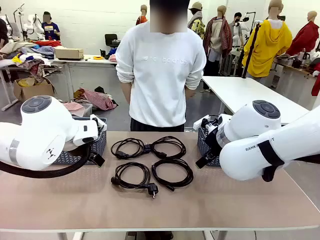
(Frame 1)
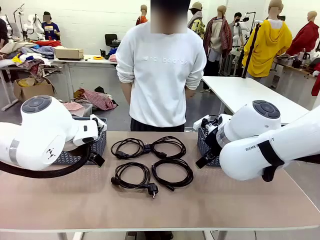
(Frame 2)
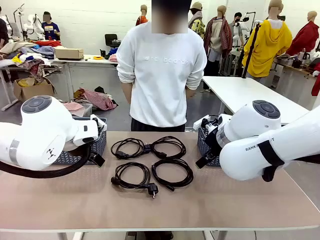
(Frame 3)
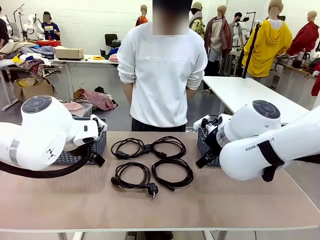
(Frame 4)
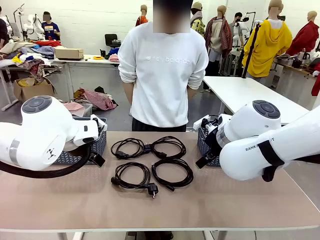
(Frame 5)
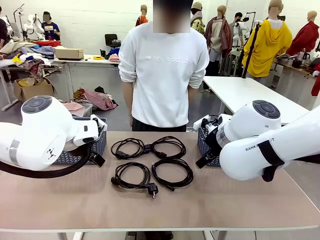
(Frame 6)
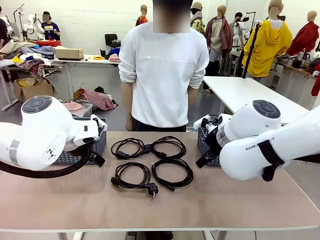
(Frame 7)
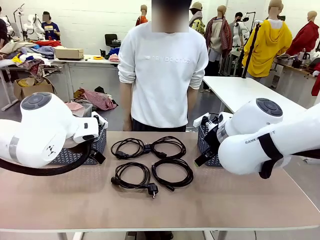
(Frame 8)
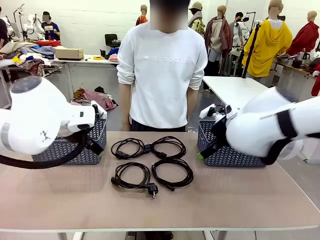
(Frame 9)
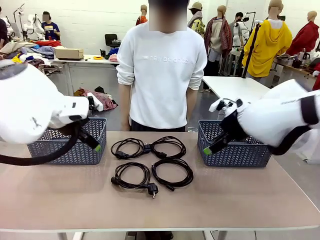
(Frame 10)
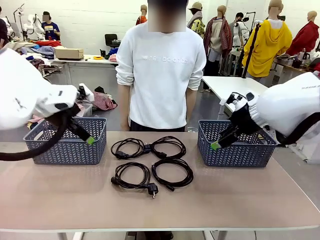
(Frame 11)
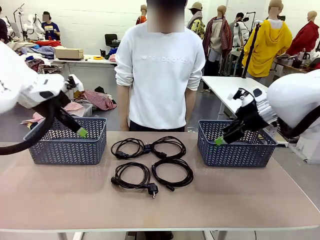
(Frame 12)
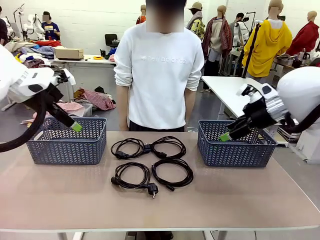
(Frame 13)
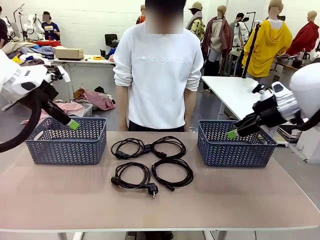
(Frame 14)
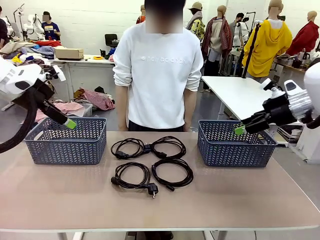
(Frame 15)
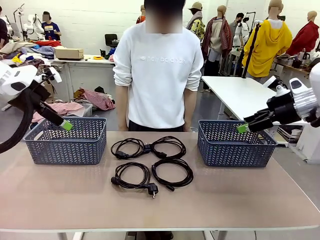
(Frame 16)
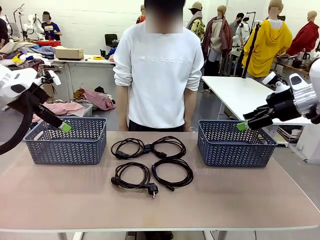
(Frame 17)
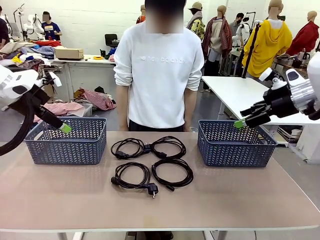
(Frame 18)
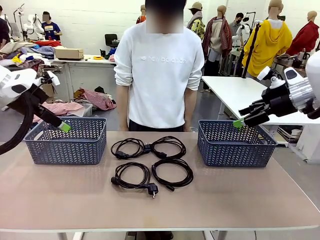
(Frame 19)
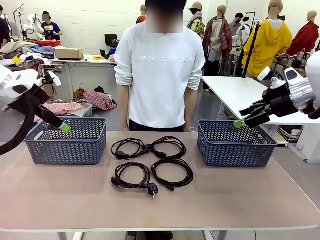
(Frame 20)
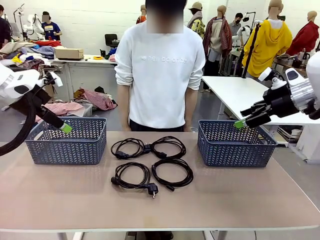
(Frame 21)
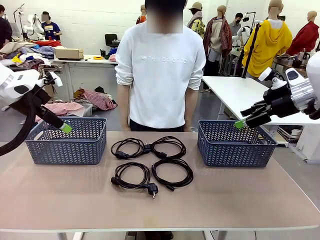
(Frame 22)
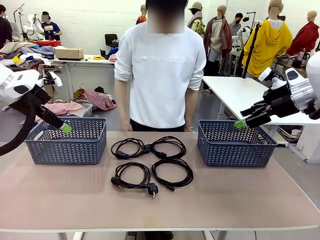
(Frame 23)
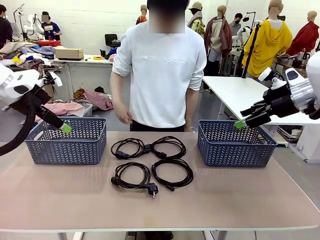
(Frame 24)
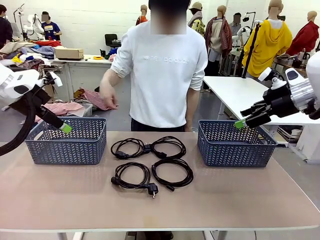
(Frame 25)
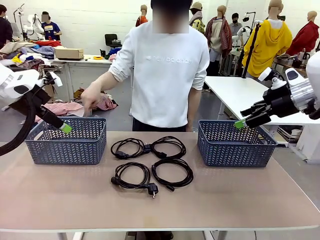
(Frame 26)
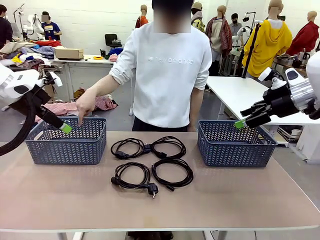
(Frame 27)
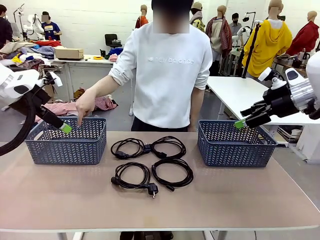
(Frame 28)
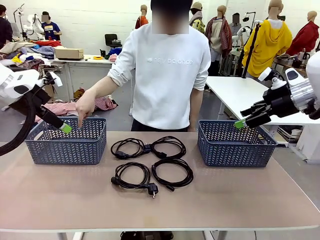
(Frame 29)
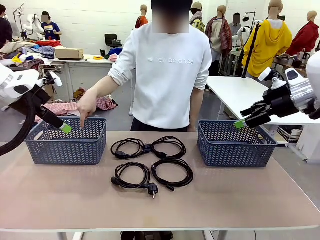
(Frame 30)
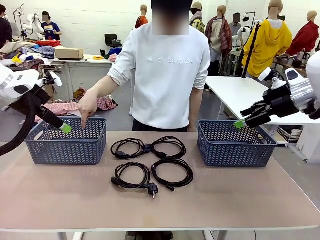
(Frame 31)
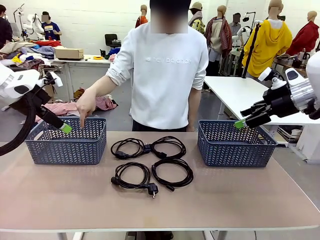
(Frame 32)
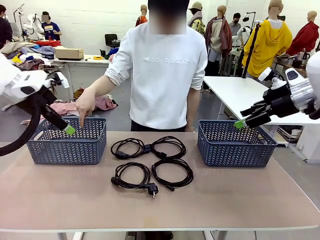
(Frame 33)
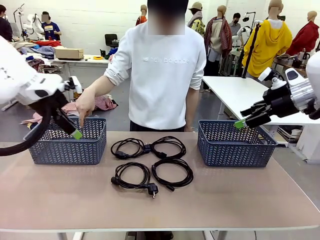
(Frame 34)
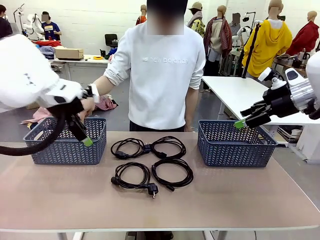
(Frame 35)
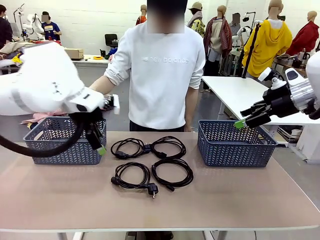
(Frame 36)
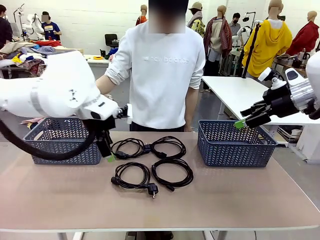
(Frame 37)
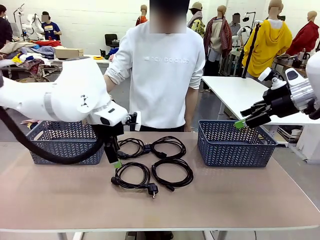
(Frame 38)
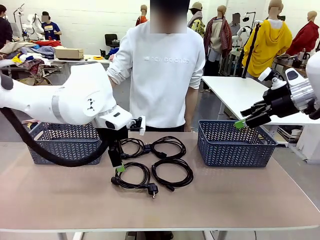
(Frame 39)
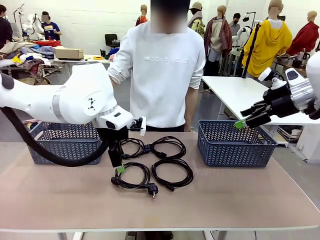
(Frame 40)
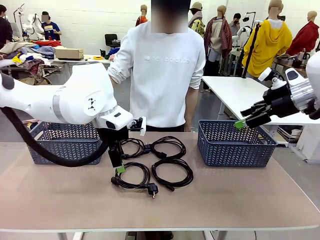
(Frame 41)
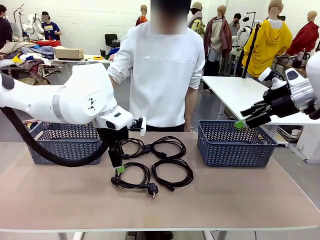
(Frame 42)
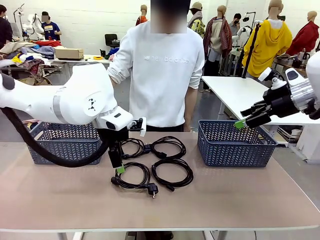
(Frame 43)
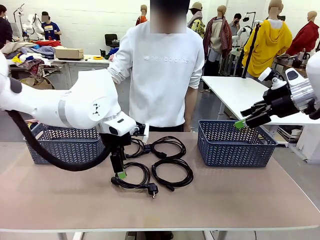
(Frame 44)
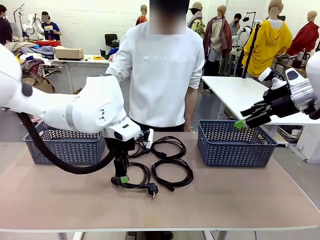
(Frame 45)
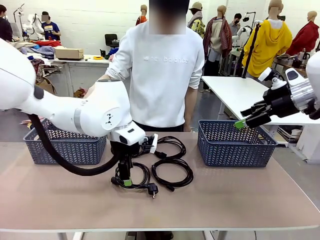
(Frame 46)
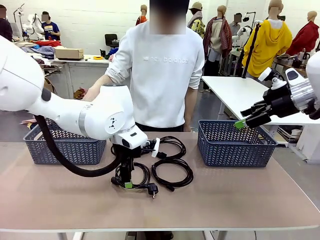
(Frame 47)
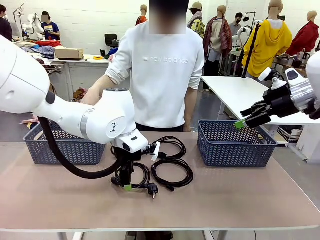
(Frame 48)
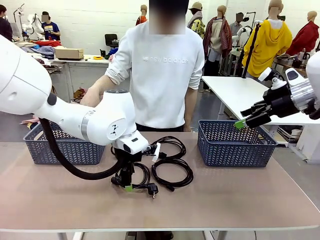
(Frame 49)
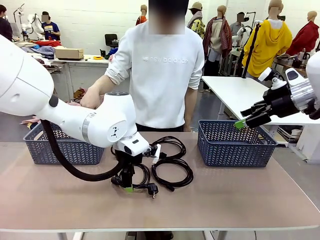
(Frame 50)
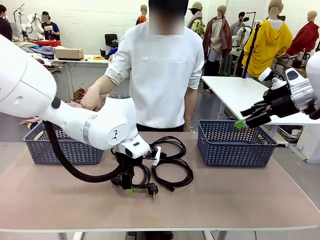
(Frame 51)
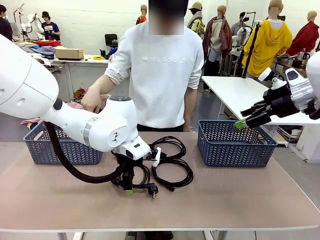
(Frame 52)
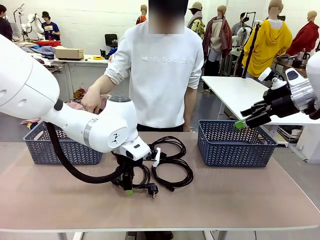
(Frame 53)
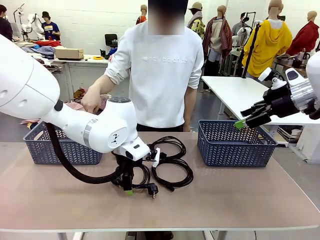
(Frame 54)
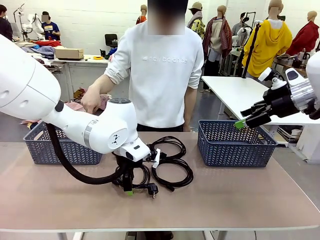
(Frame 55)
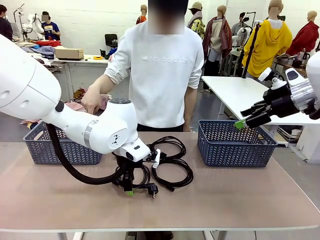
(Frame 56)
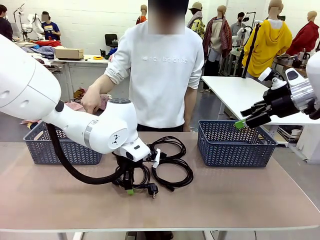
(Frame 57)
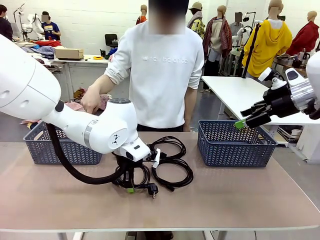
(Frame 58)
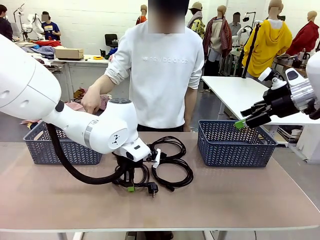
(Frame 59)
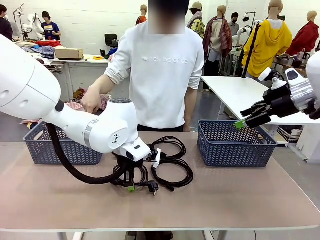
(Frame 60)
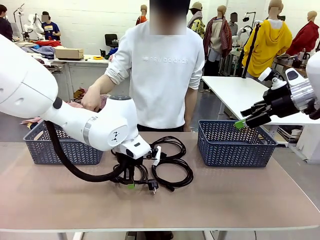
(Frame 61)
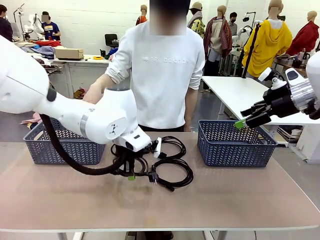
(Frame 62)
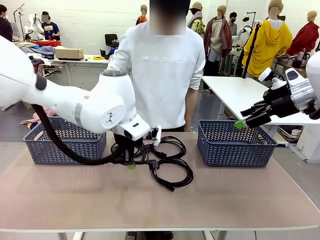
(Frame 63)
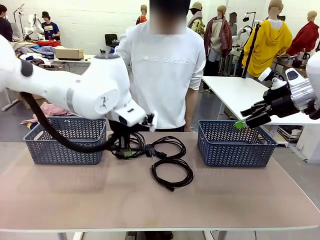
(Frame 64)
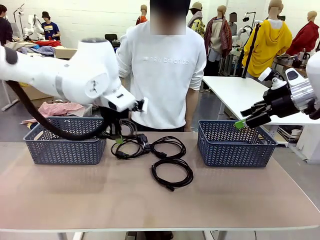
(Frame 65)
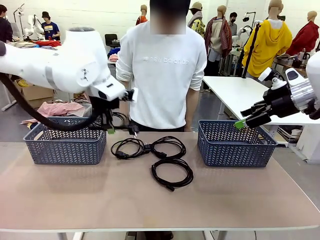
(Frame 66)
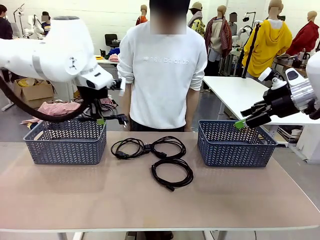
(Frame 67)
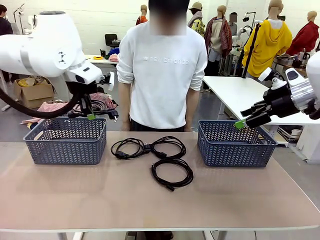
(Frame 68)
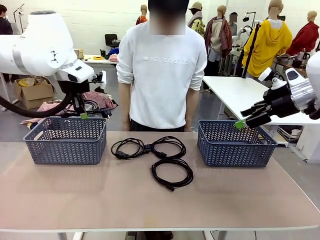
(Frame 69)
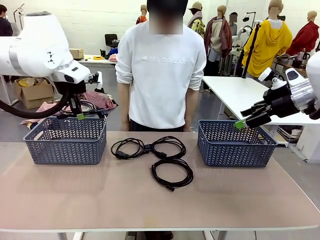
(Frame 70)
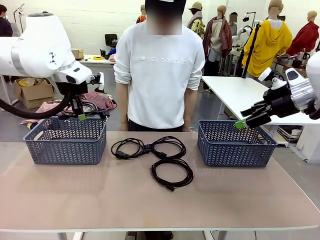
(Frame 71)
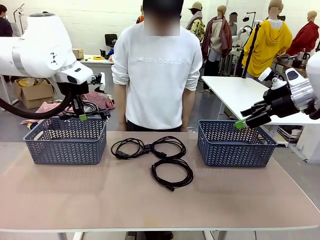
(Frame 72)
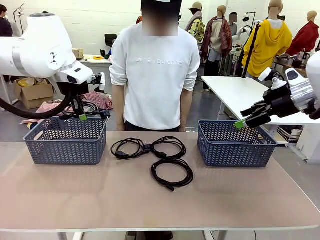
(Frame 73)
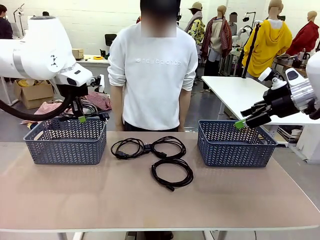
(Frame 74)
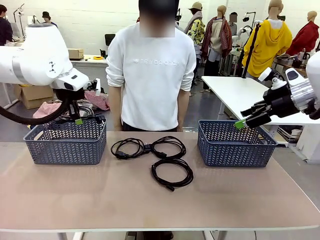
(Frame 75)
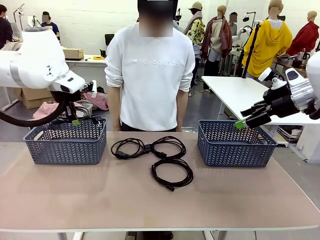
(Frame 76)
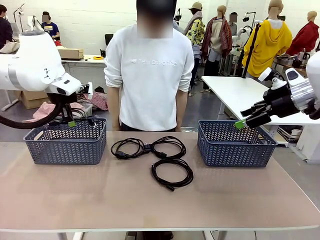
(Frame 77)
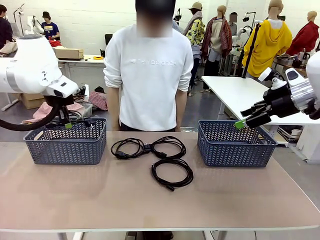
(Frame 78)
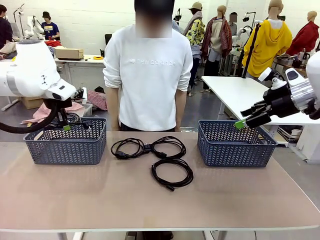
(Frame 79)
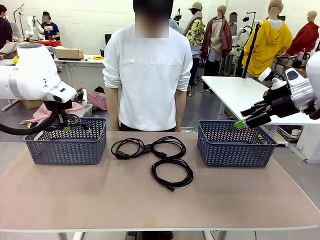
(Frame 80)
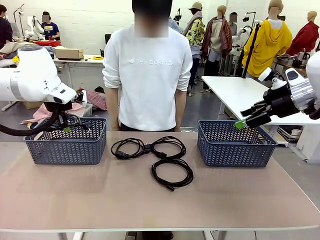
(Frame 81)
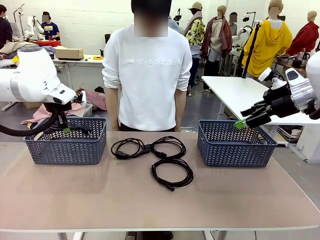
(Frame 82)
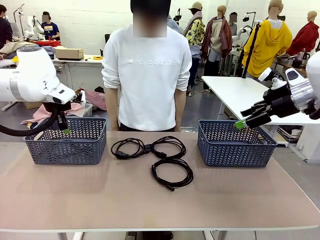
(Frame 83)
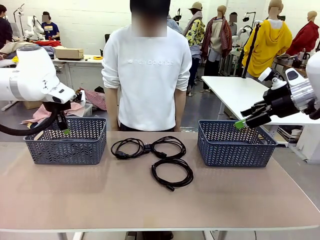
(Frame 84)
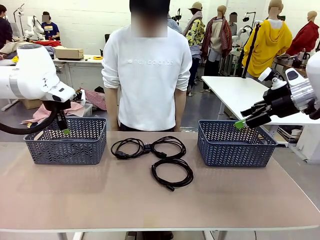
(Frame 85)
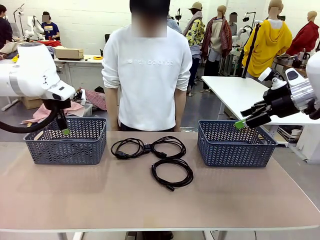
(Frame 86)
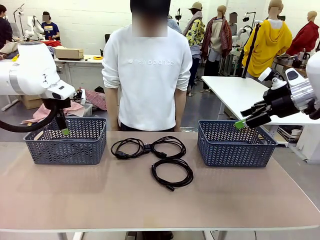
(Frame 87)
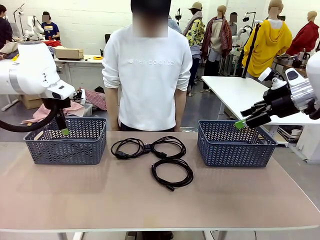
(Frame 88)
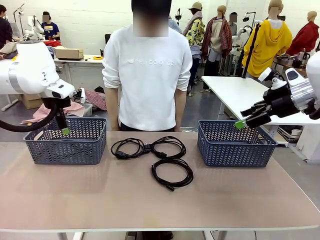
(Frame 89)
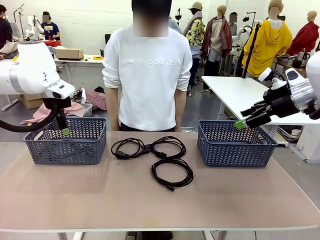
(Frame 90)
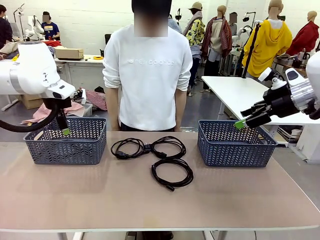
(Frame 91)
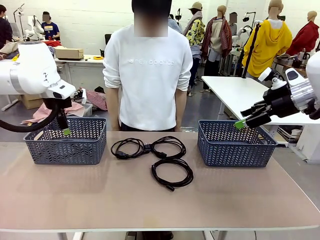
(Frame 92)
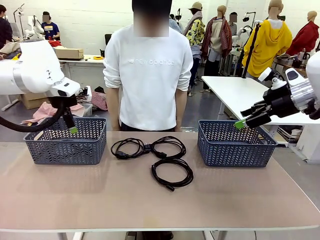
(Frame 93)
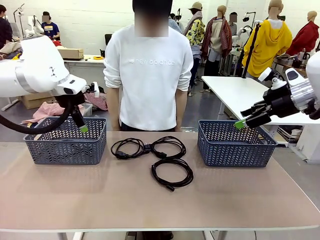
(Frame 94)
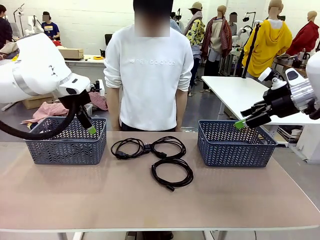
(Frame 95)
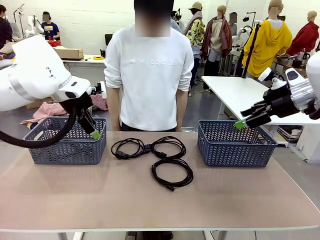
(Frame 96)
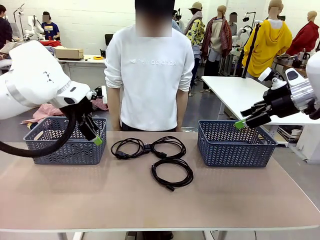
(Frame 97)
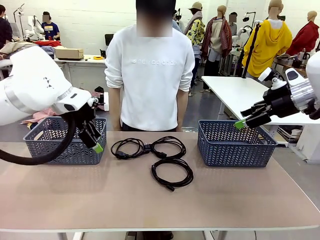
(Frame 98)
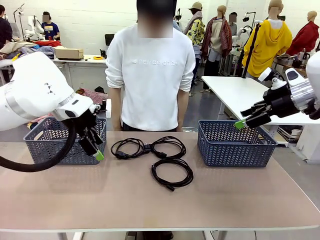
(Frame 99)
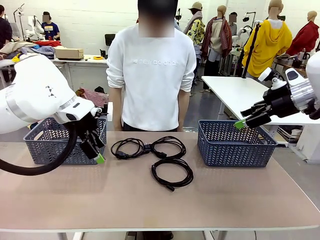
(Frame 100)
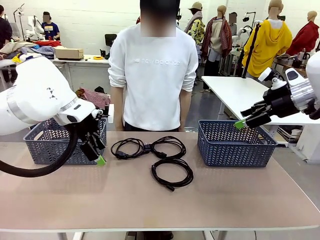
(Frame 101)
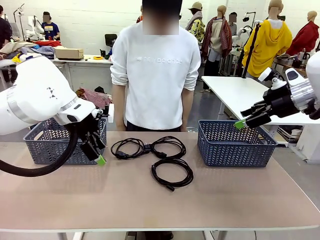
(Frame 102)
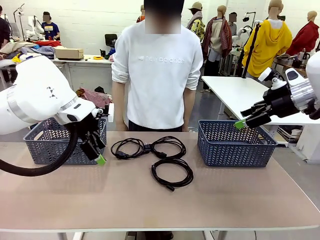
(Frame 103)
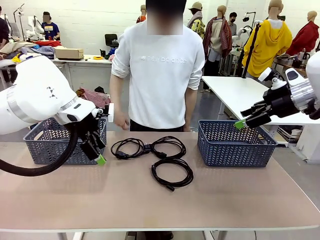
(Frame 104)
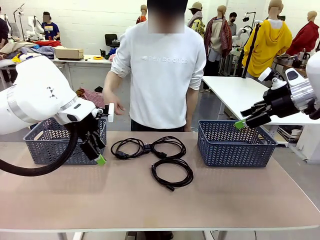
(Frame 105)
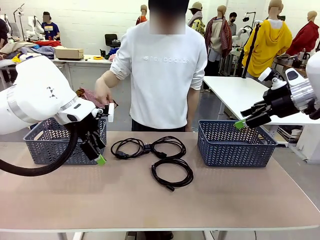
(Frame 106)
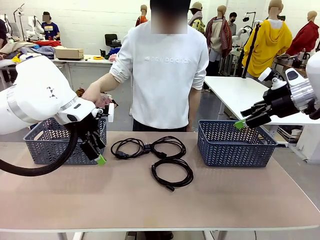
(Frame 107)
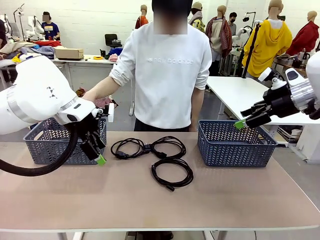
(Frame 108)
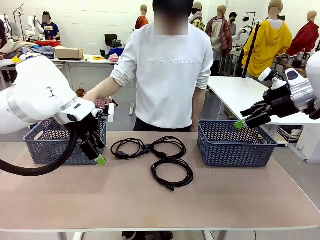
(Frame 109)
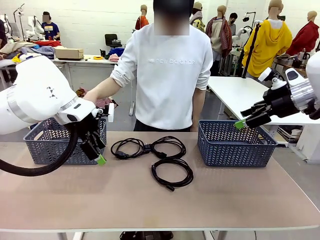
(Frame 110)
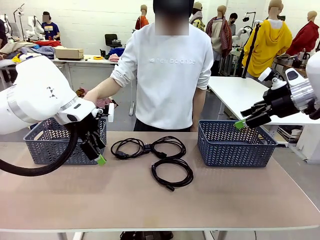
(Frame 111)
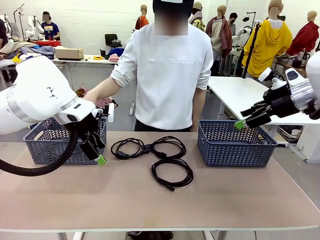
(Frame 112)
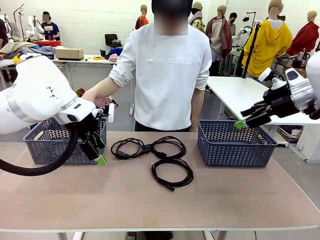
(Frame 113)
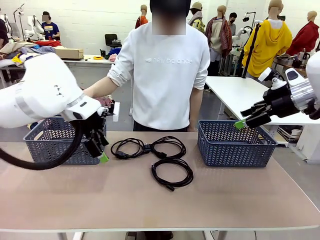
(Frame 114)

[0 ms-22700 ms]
Task: Organize the cables according to human instructions.
Robot: Pick up a bundle of cables and place it in the basket indicated by the human.
